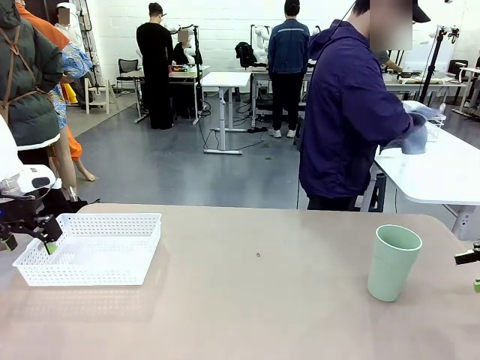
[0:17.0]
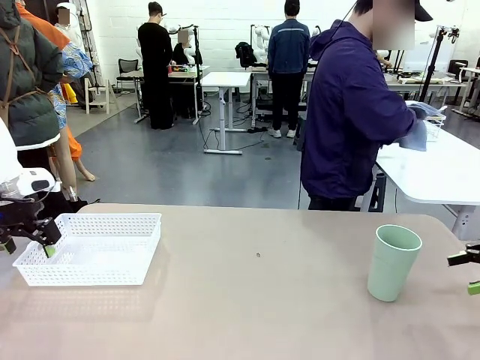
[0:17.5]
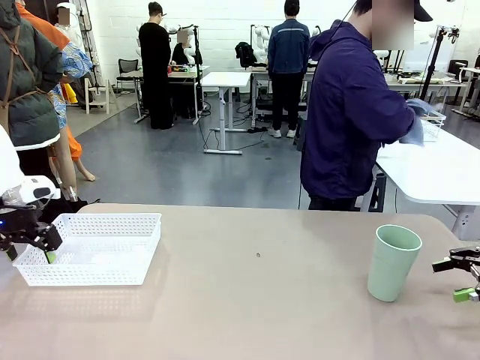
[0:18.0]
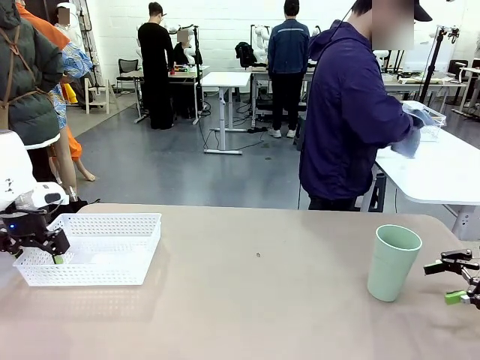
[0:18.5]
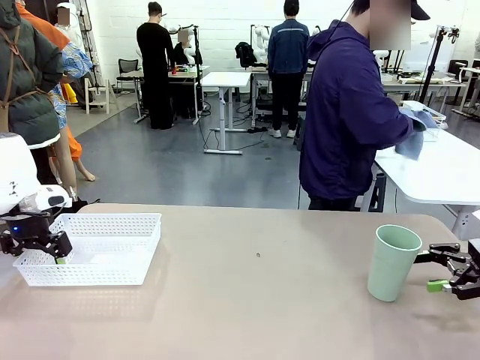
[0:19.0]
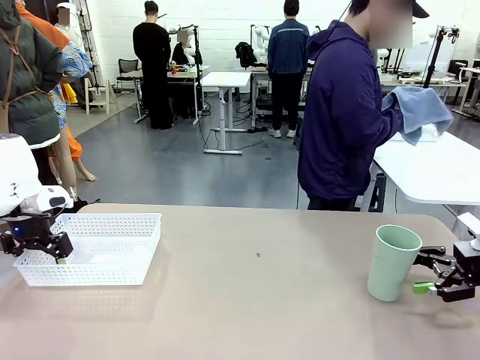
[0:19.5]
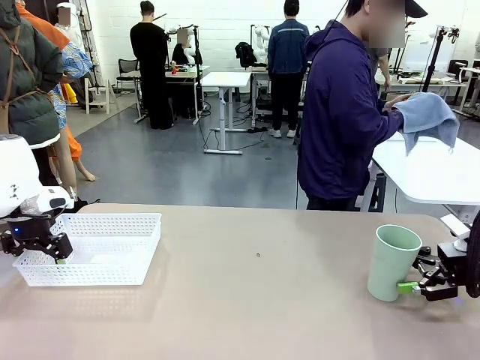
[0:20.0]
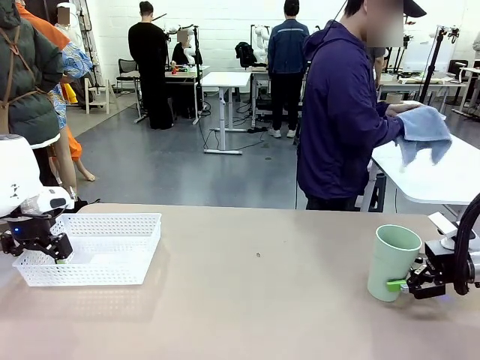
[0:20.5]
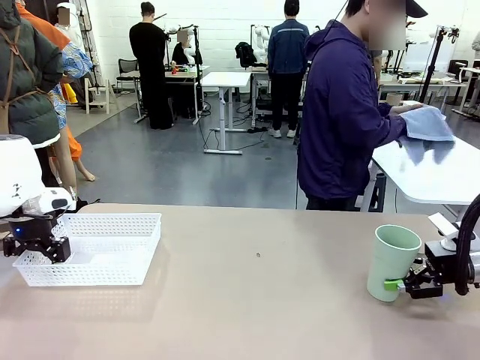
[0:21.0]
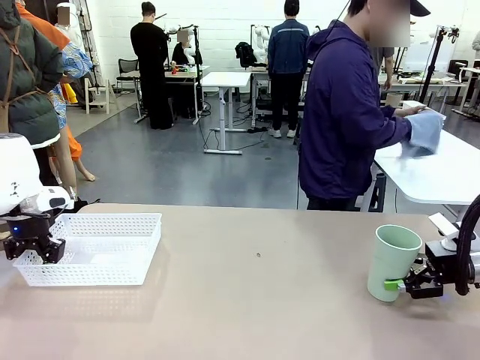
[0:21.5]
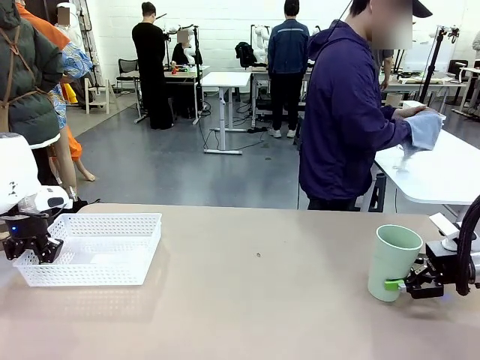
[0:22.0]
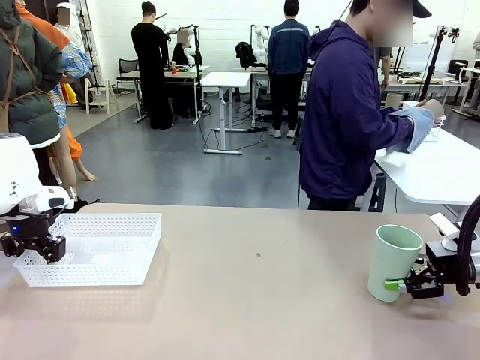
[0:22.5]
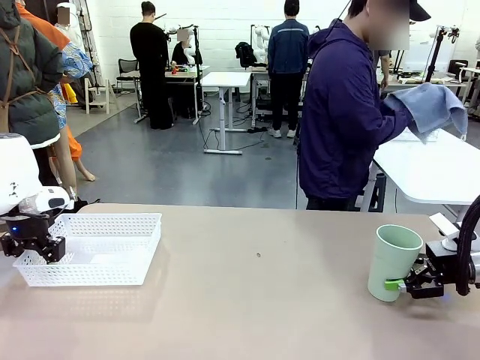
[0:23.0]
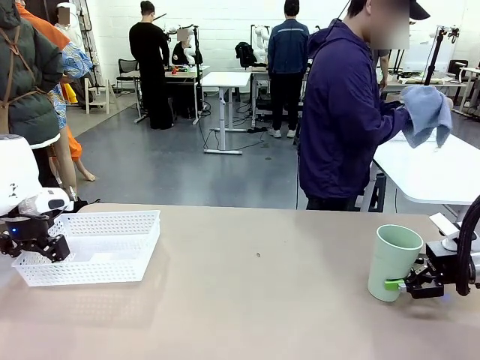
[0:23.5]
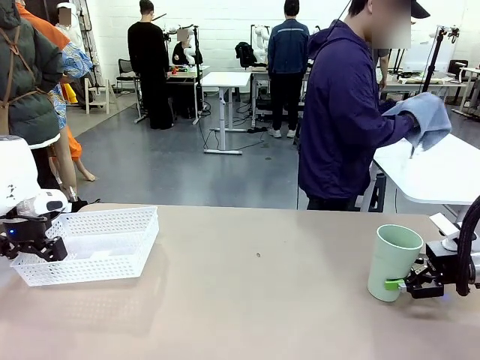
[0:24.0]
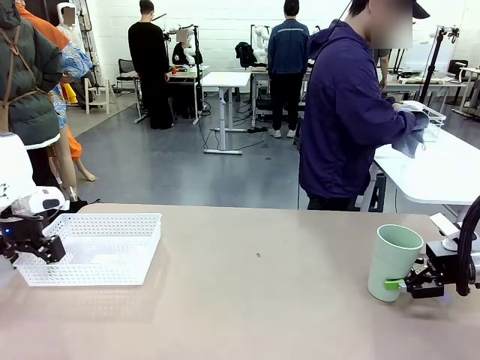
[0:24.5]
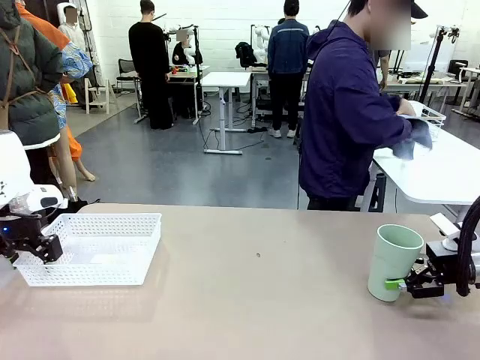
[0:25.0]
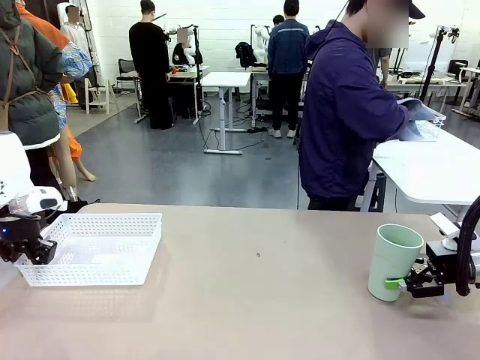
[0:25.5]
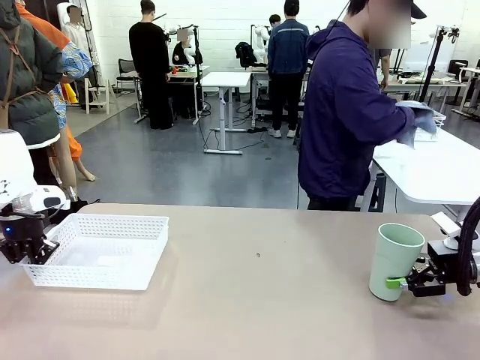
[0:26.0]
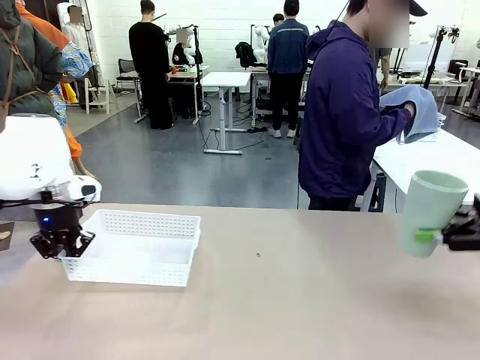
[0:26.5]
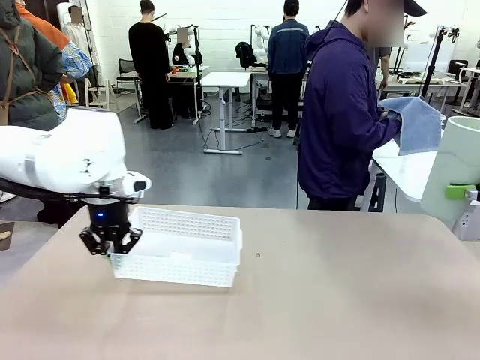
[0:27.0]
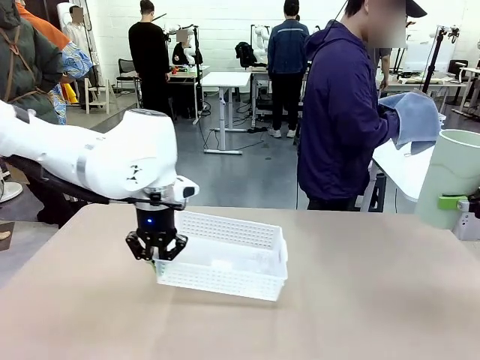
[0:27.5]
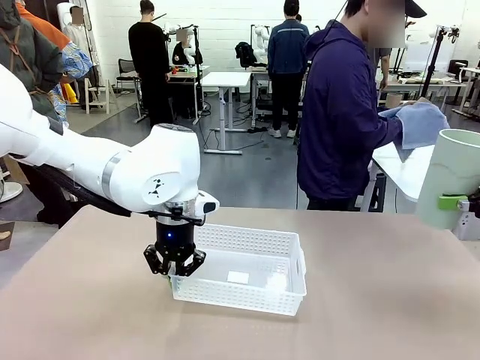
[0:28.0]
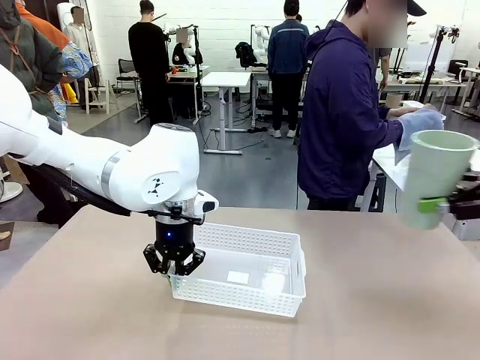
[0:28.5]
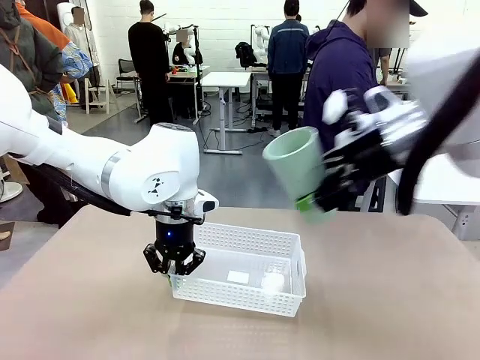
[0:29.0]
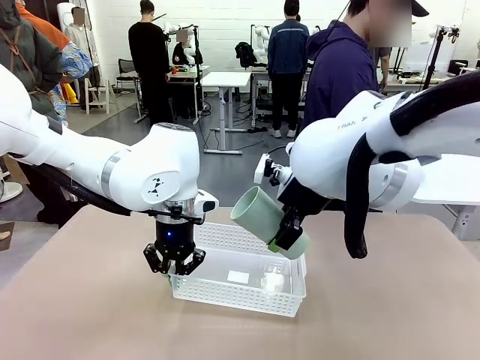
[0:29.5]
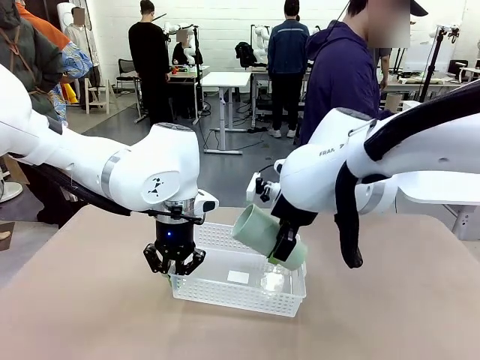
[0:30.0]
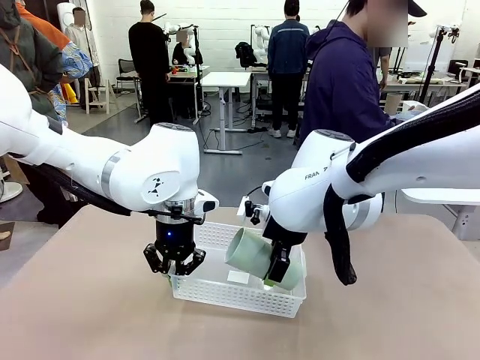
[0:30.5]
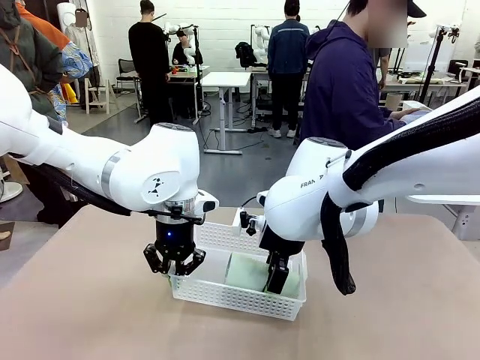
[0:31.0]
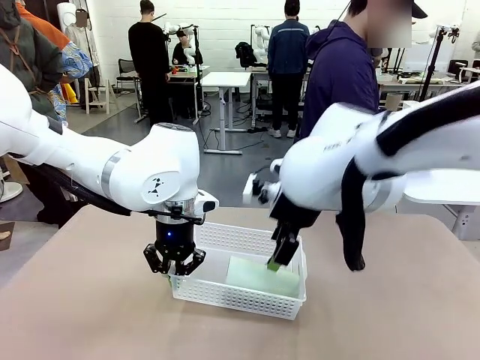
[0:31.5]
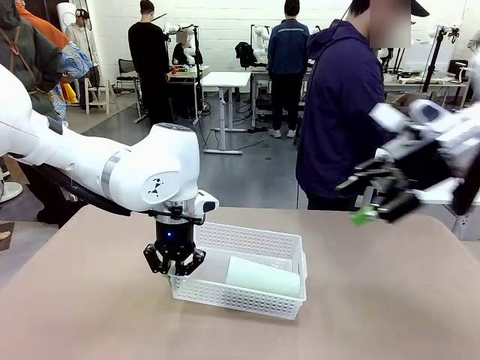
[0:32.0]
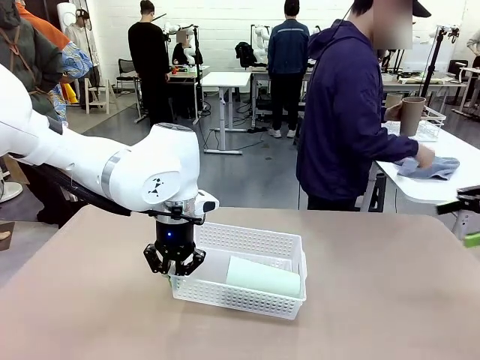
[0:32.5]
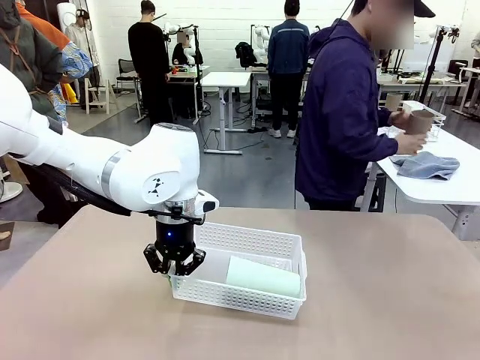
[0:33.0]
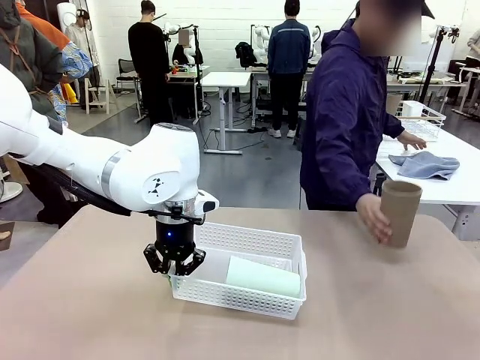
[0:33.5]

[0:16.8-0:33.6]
Task: Clean and organize the cups into the basket.
Robot: Pick up the Organizing basket and move it to the center of the table, then pick up the Reusable plastic cup from the right side of the table and place it inside the Organizing basket.
Person: Picks up a cup from the drying rack, cleans the cup with the towel, and places it on the left side of the robot table.
